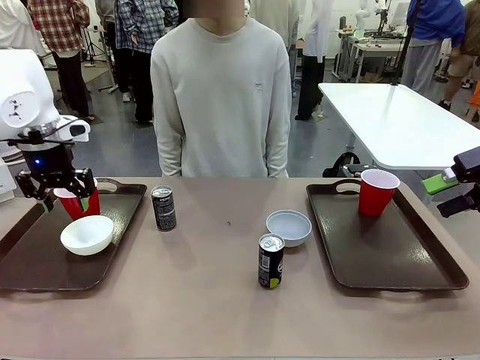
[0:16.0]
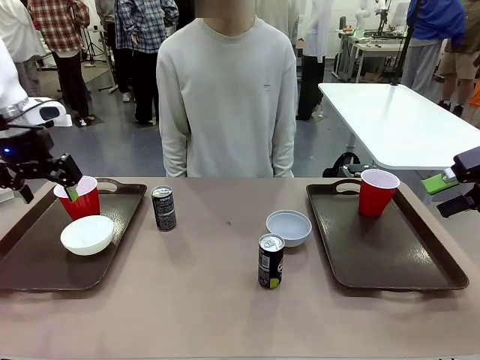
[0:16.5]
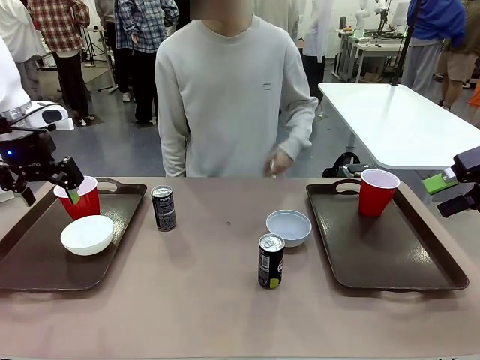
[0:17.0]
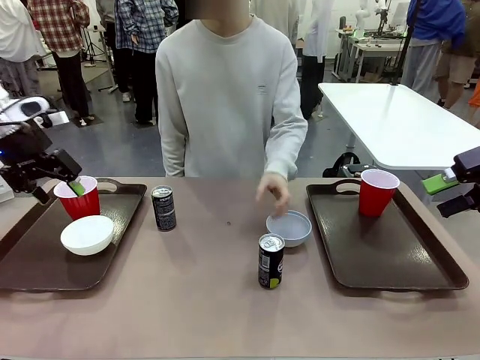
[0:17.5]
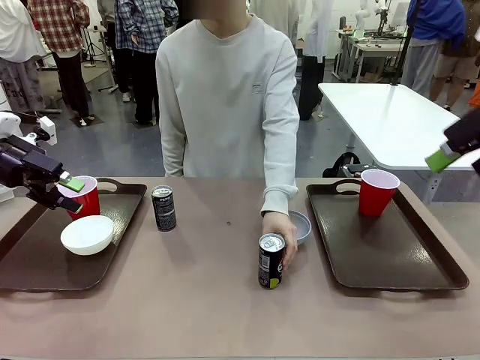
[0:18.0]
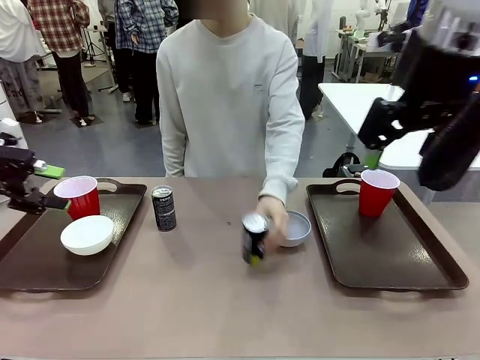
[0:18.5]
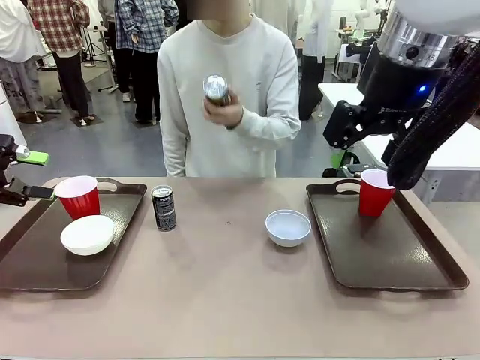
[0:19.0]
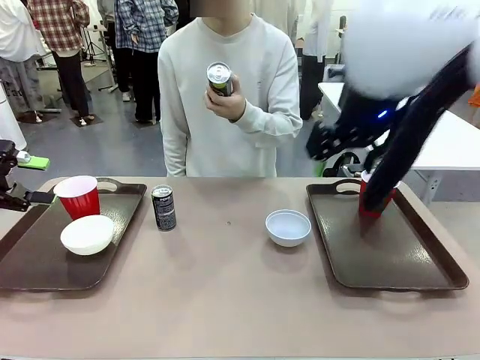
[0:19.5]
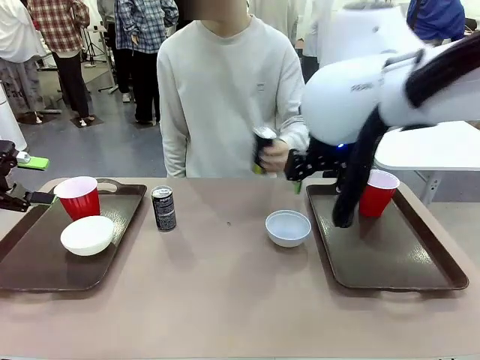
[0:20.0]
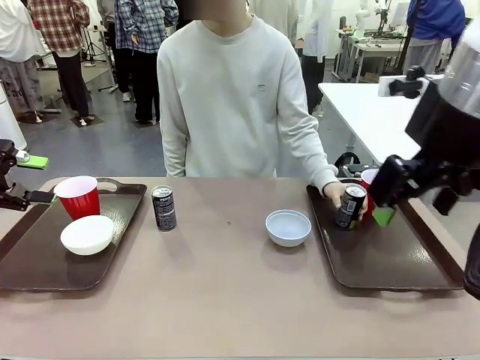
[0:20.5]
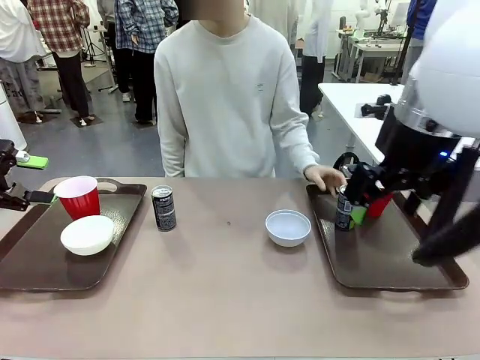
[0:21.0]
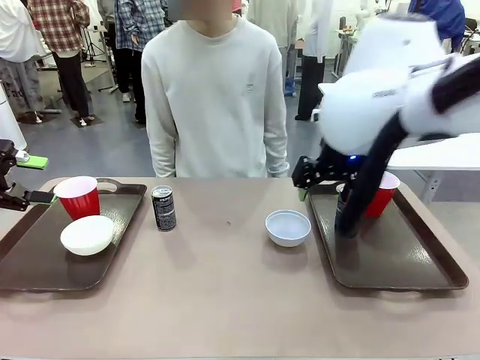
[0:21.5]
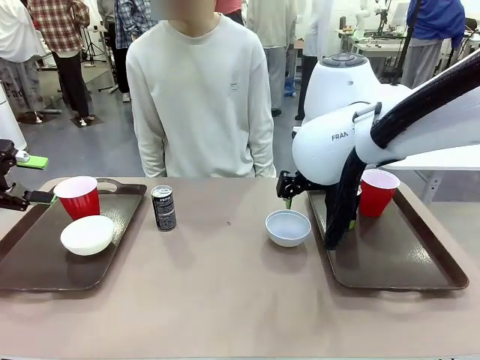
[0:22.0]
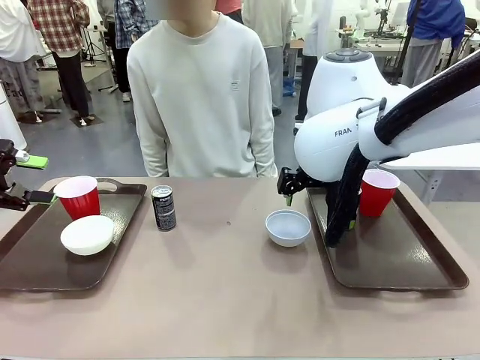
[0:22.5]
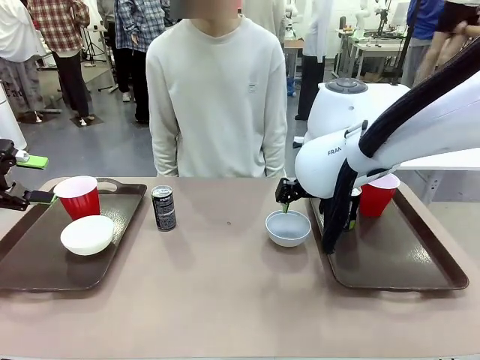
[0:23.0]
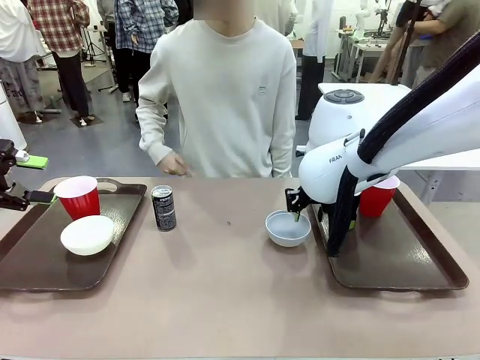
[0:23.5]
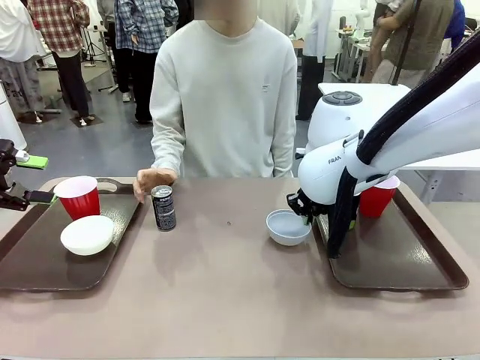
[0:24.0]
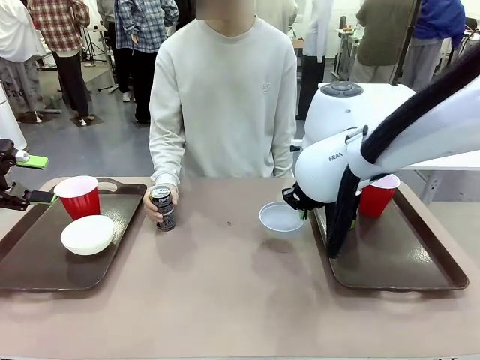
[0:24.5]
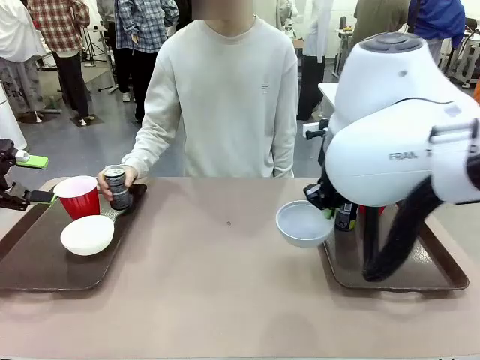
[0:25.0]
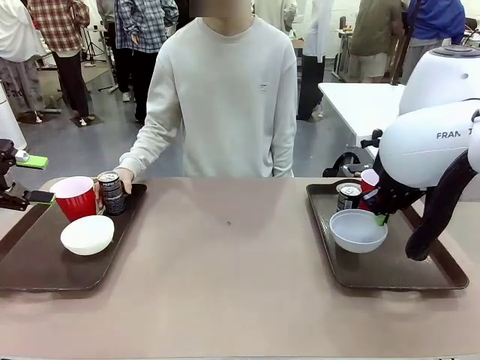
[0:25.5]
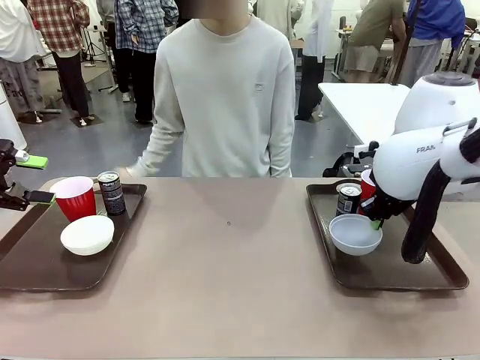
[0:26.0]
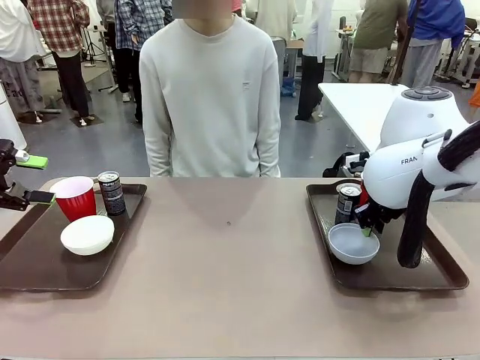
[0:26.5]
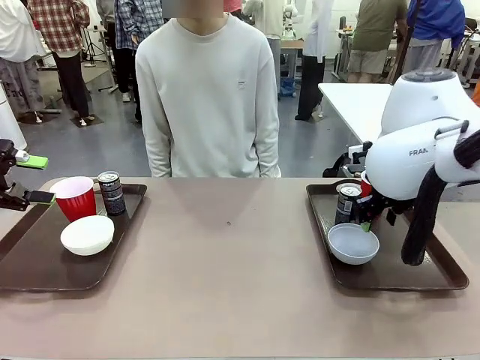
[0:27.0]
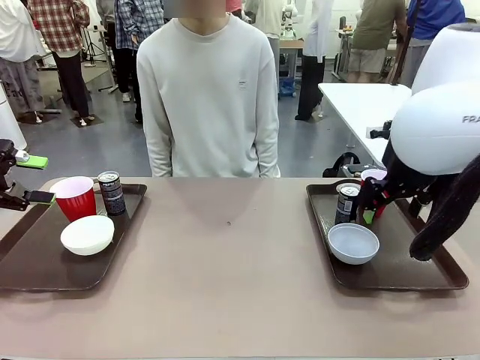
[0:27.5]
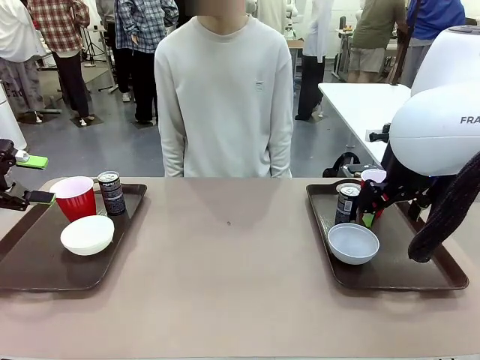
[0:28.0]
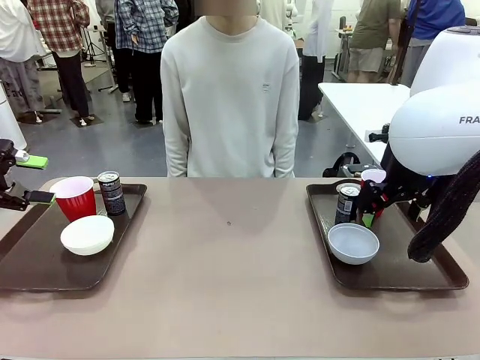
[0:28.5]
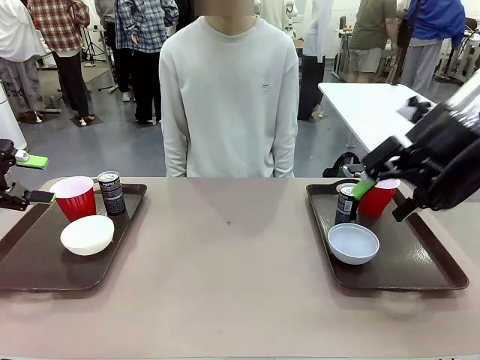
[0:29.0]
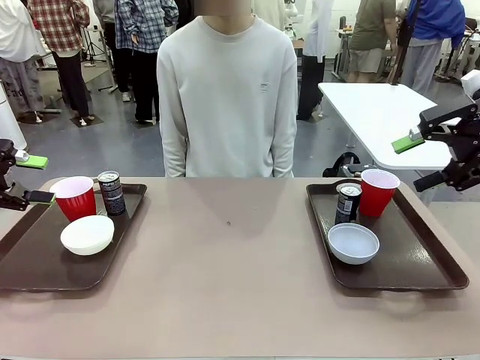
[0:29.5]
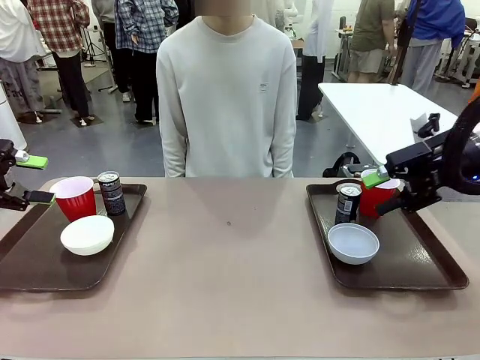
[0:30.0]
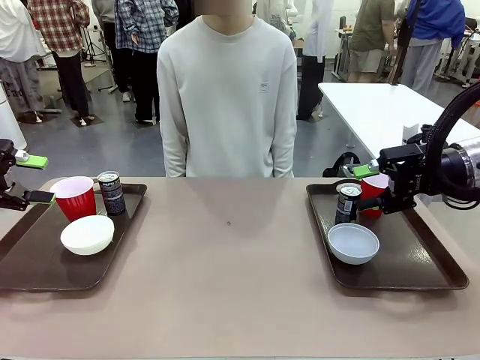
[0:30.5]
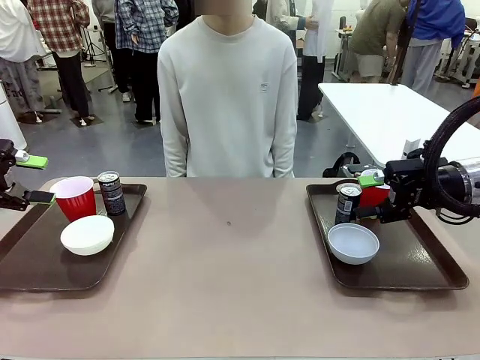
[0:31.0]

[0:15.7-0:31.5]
Task: Prepare tableware on both trays.
Robot: Pick up a Picnic Bowl from the table and place it on a Handle tray.
Person: Pick up a can or cup and place it on the tray without a can or cup.
